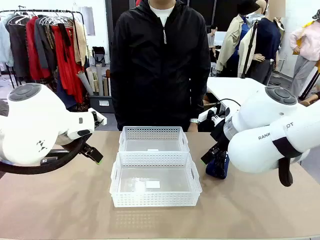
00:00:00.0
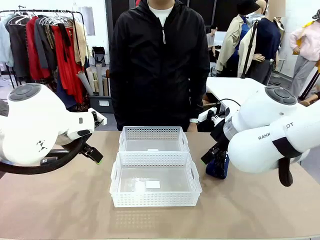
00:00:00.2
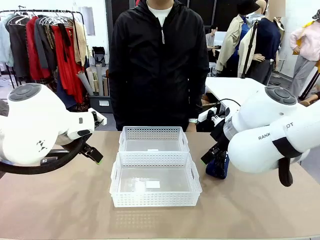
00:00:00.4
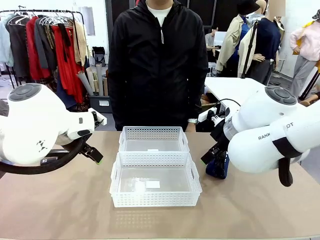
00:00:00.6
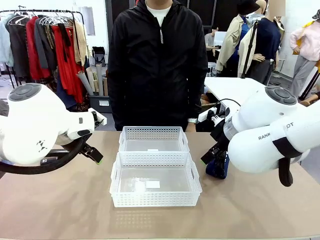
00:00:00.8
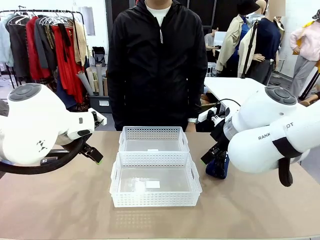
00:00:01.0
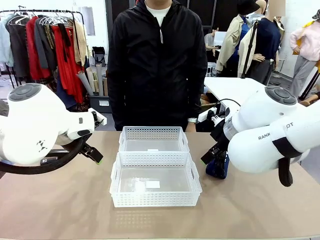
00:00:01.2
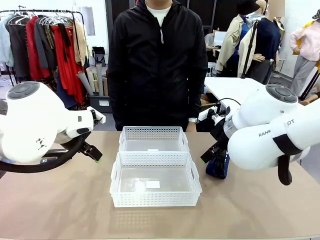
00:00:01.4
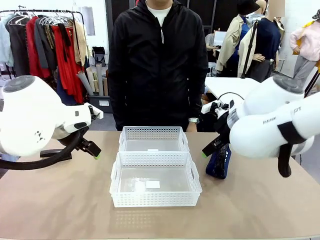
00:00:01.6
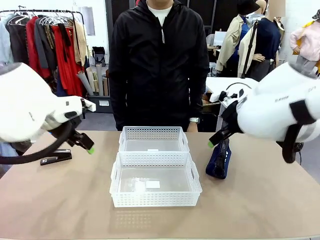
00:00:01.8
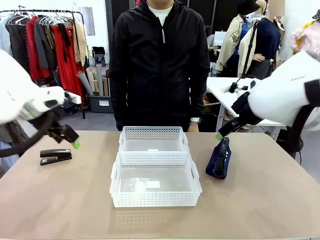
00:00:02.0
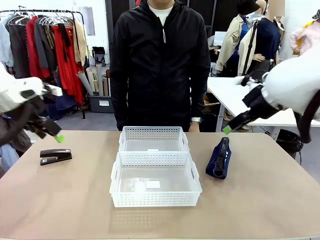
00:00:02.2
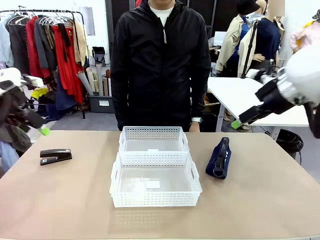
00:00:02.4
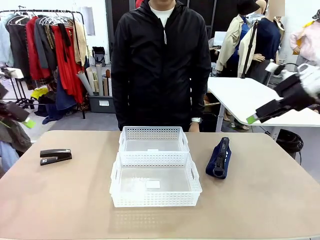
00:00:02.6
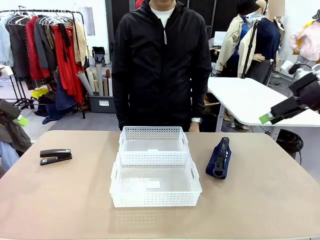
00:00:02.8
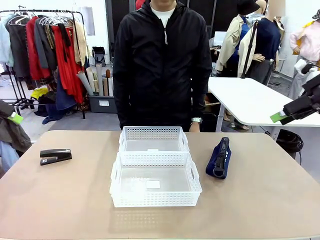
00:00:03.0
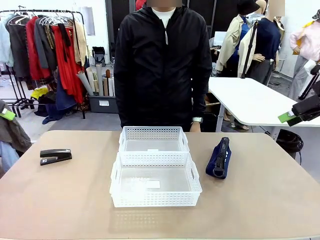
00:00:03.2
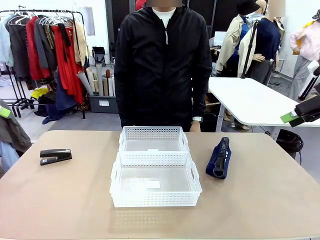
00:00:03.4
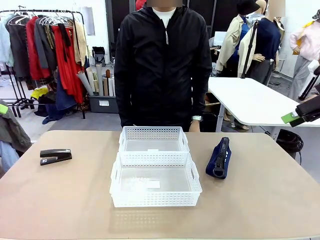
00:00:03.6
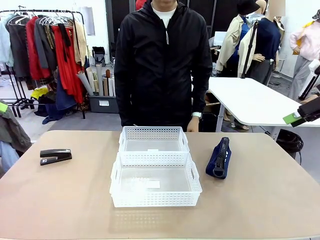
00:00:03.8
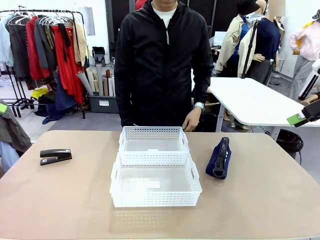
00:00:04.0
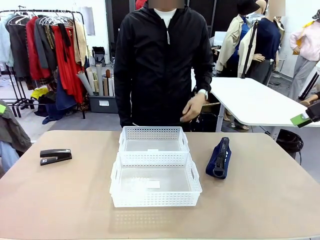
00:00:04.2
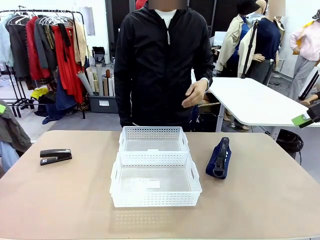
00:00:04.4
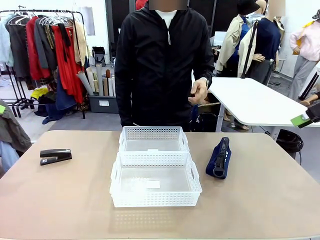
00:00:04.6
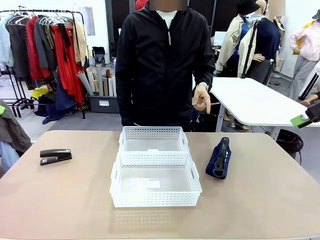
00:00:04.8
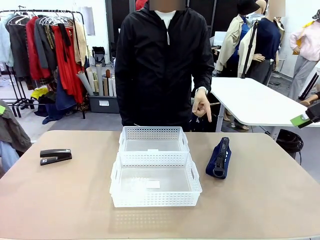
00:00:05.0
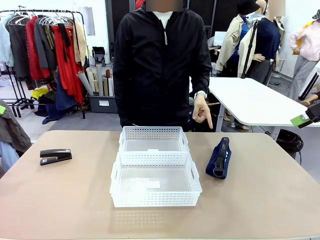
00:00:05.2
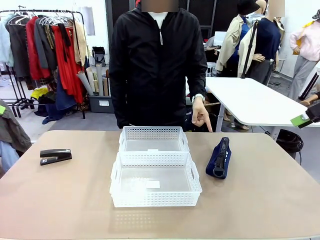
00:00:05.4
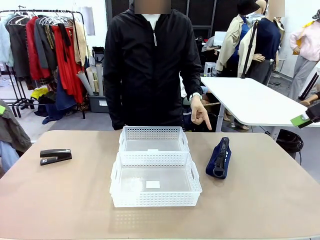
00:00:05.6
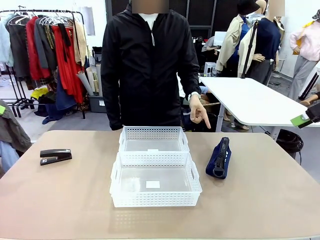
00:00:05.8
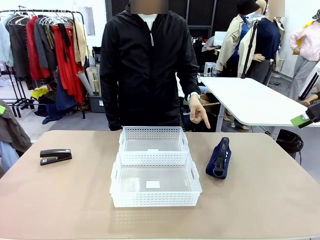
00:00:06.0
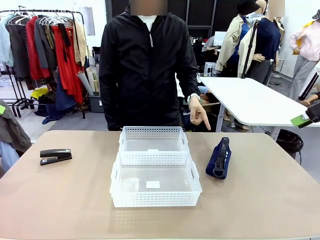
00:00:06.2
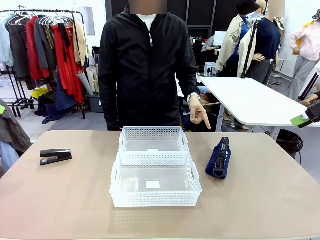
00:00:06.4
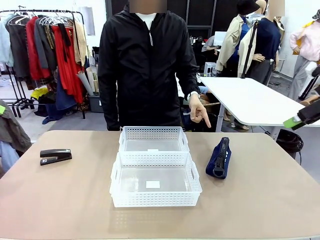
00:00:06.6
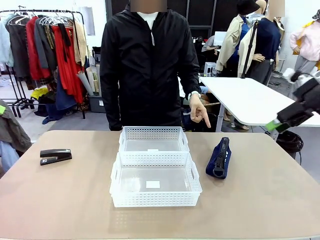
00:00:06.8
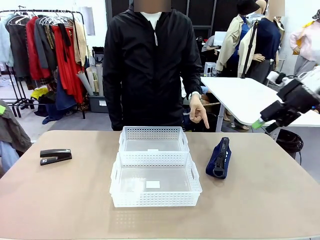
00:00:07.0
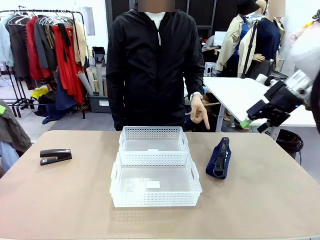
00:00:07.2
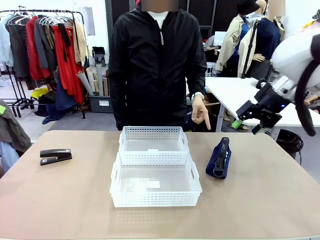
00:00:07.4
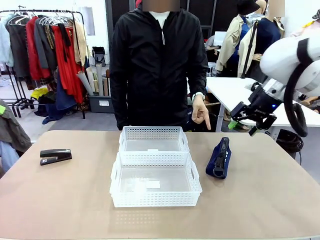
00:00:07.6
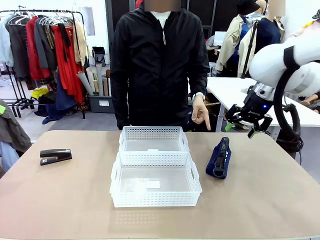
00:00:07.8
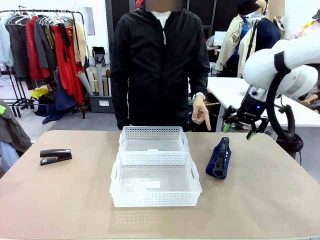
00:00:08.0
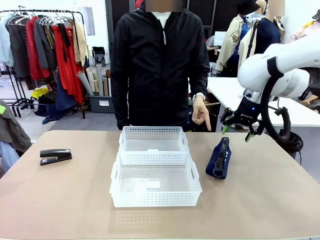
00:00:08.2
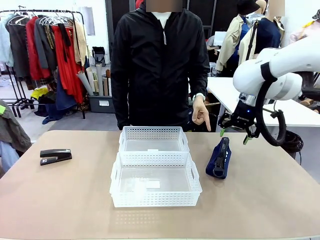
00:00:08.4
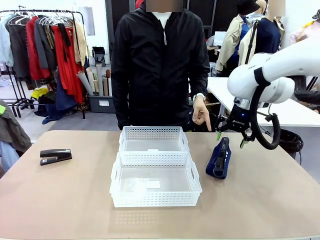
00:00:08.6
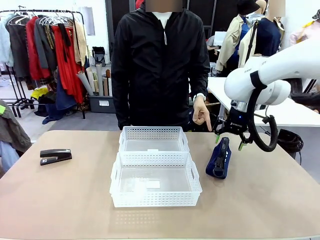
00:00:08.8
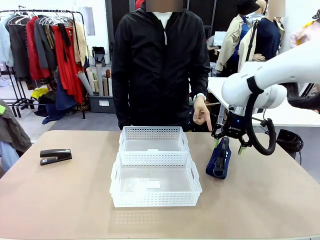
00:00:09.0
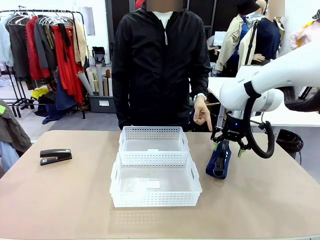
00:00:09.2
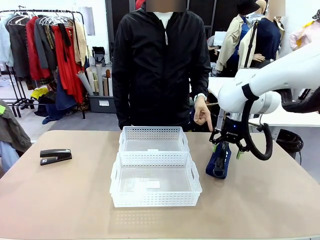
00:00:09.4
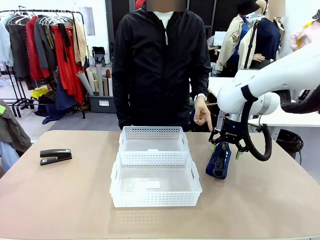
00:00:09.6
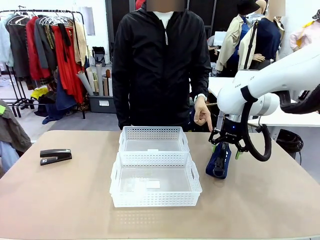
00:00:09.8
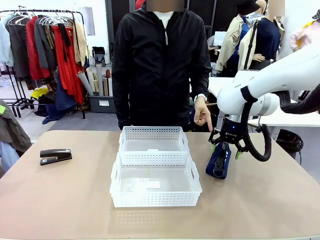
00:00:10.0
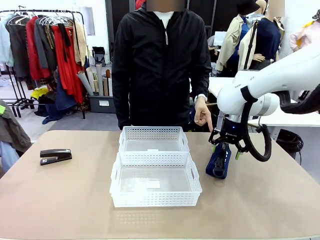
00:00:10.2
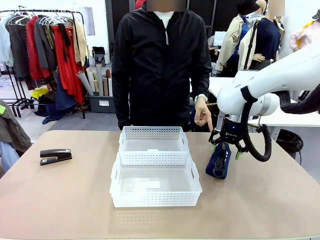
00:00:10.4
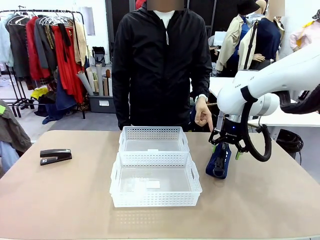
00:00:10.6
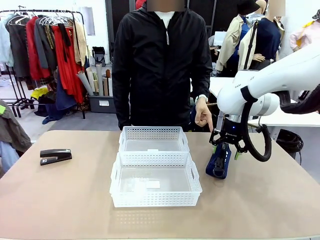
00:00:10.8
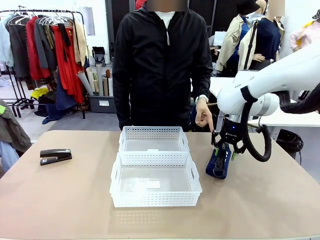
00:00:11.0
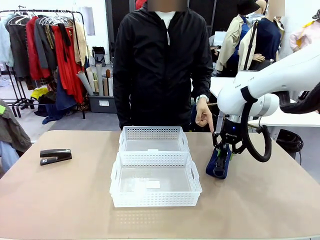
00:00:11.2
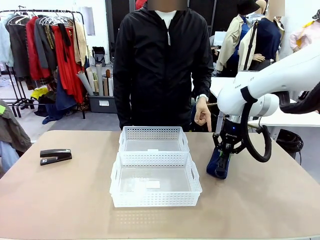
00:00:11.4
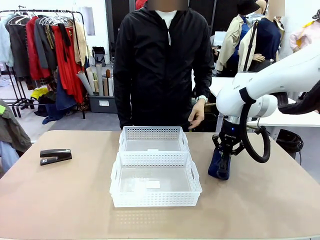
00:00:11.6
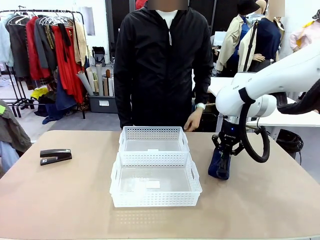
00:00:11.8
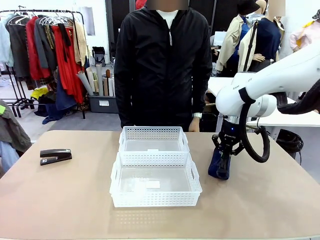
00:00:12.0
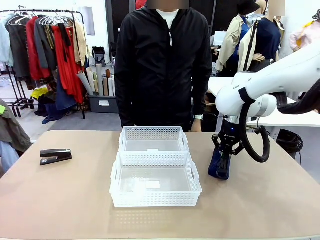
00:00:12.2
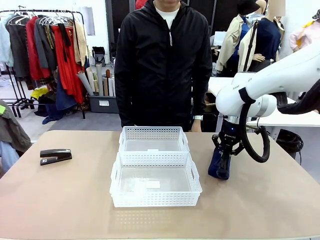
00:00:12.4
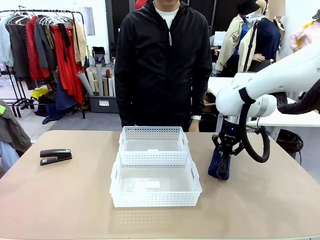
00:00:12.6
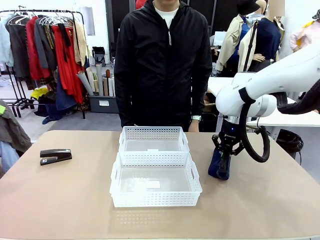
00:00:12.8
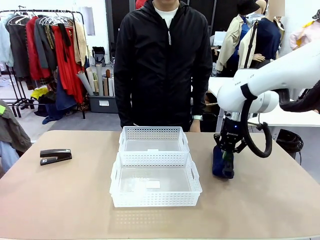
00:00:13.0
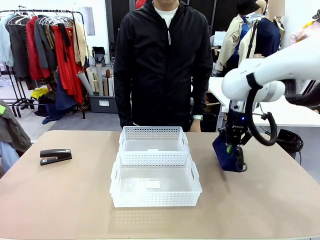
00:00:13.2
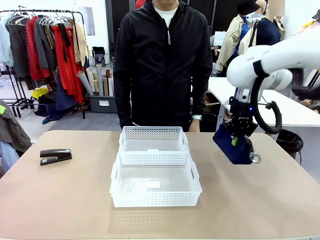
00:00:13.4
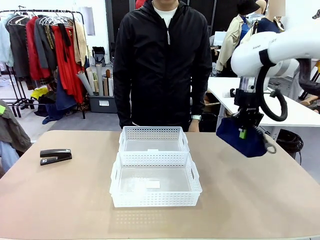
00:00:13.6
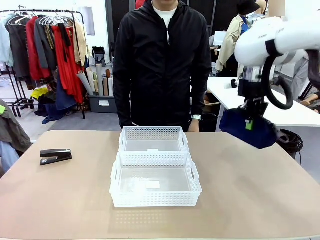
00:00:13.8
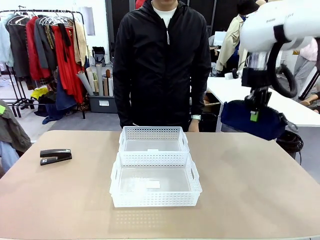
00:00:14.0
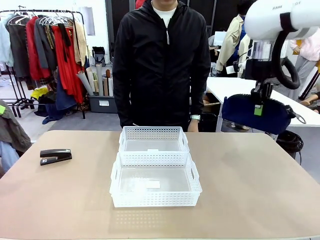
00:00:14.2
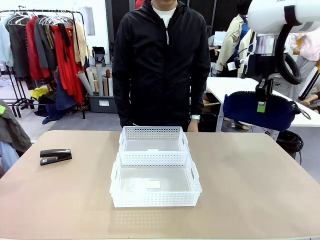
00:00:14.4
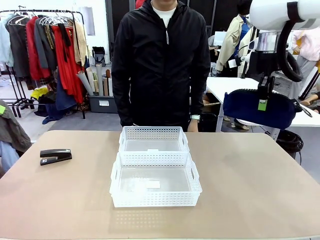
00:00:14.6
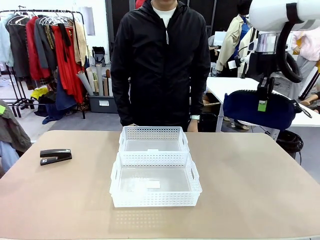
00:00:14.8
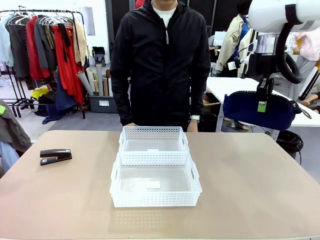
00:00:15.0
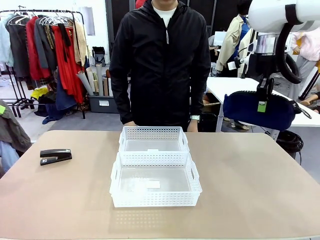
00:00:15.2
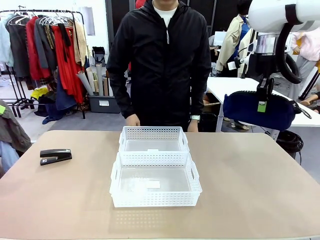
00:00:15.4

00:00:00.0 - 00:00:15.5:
Task: Distribute items into two baskets.
Robot: Pick up the Pencil pouch that the person points to.
Person: Points to the pencil case. Points between the two organizing baskets and instructs the robot to move the pencil case.

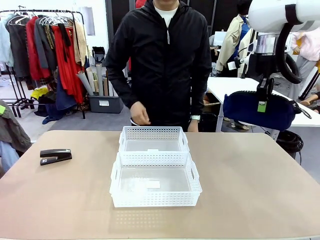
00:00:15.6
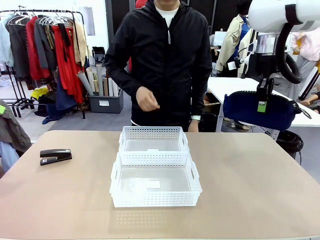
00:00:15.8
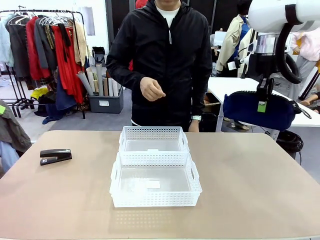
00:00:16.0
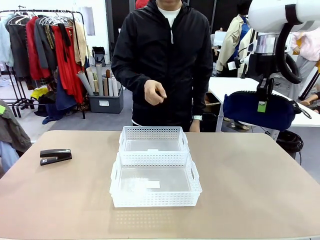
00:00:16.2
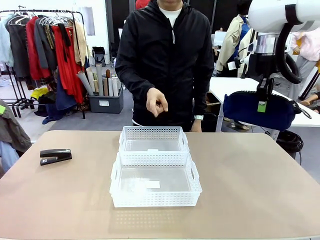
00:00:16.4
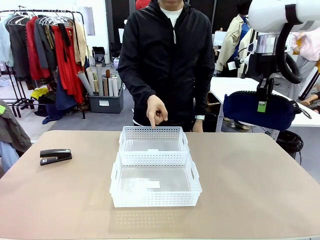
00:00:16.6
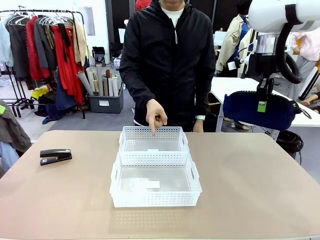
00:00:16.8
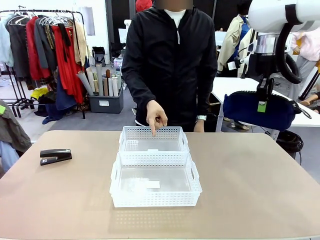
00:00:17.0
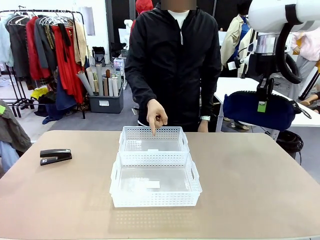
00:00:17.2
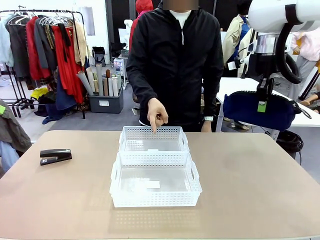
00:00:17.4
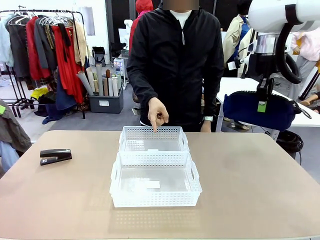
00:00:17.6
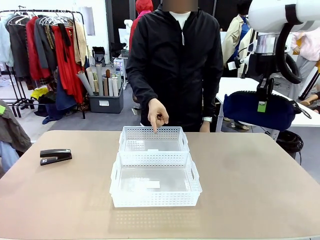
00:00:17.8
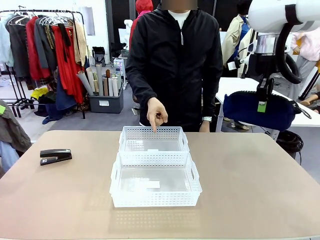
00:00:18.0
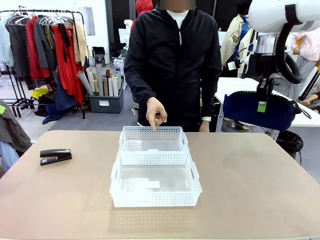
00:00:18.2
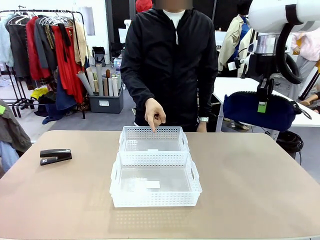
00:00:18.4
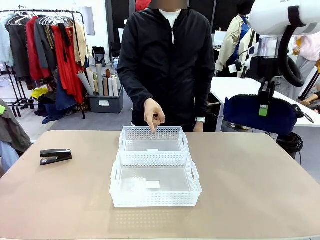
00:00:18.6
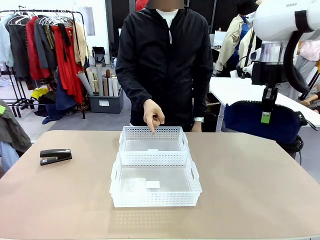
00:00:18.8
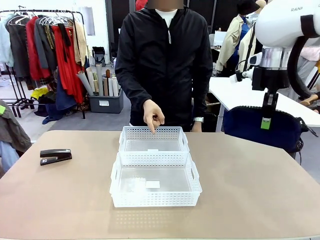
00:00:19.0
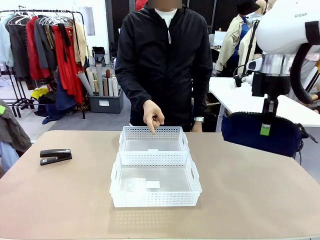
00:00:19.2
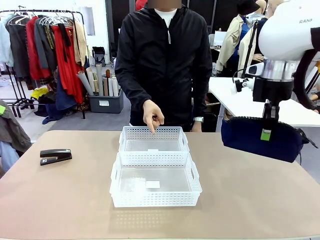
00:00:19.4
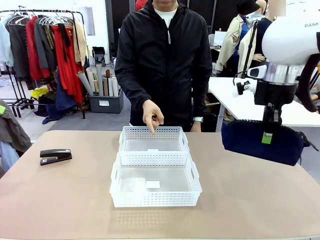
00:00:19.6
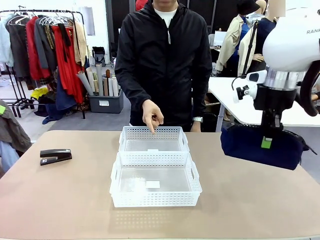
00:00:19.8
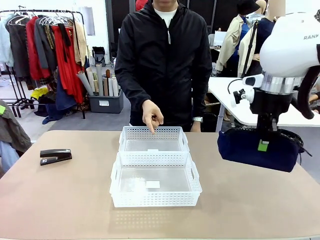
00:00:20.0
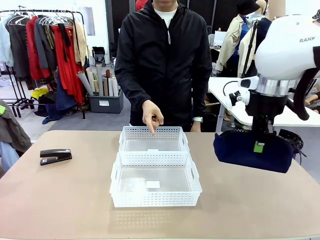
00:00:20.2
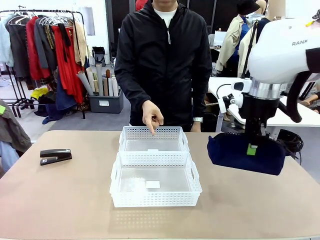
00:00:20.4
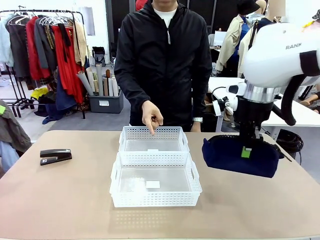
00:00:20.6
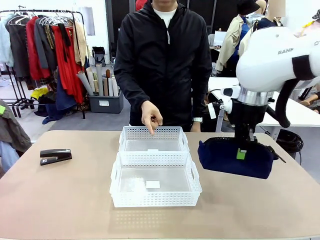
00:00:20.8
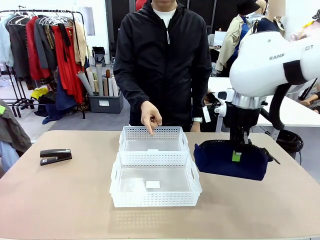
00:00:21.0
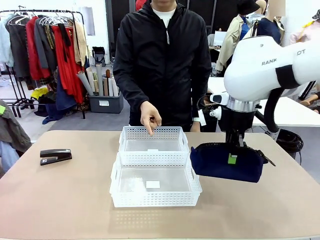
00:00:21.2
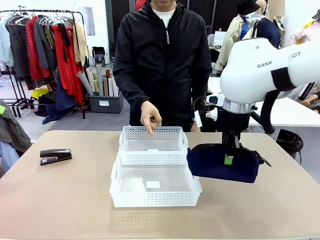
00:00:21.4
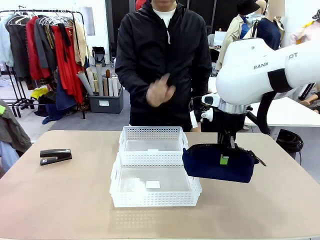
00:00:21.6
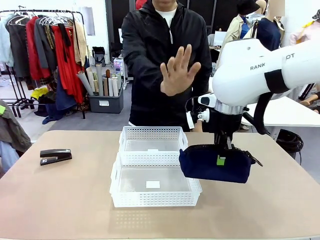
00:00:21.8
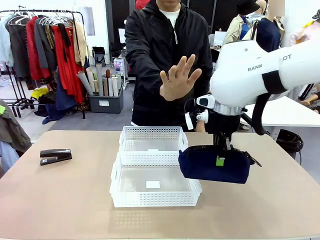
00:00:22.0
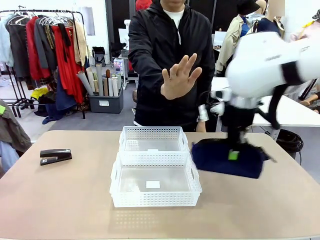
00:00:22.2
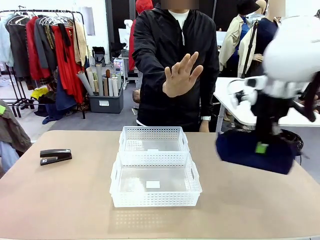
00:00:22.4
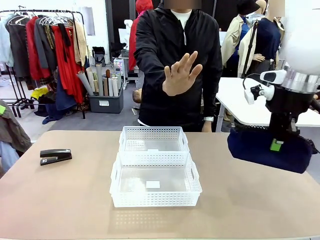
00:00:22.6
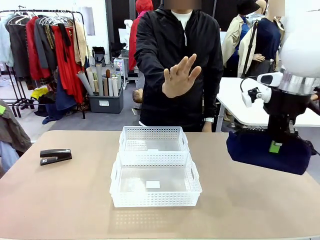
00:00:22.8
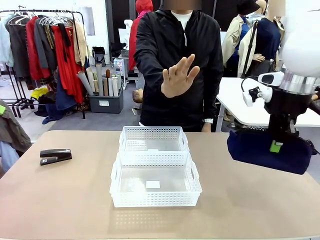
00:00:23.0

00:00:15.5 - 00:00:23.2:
Robot: Move the picked Pencil pouch towards the Organizing basket indicated by the person, stopping as directed.
Person: Sends a stop gesture before the robot places the pencil case into the basket.
